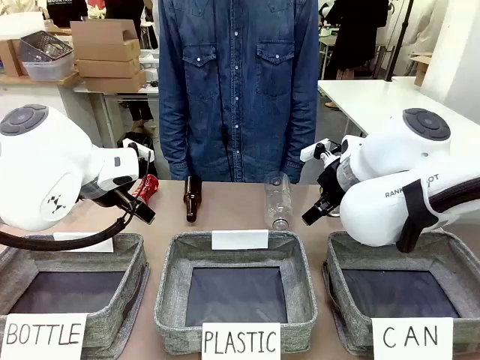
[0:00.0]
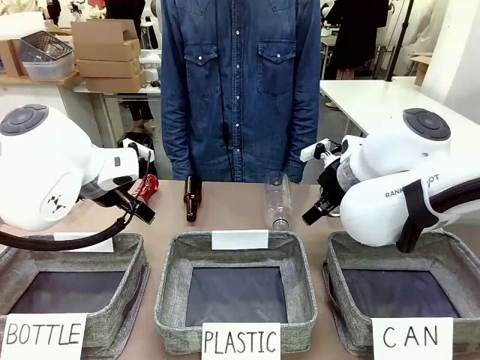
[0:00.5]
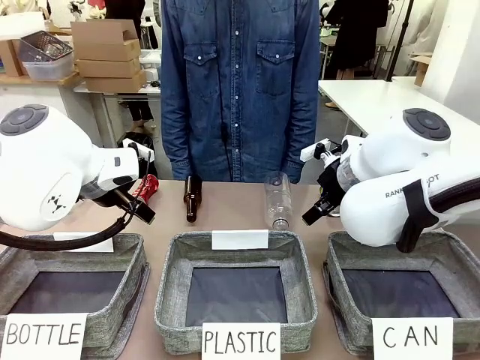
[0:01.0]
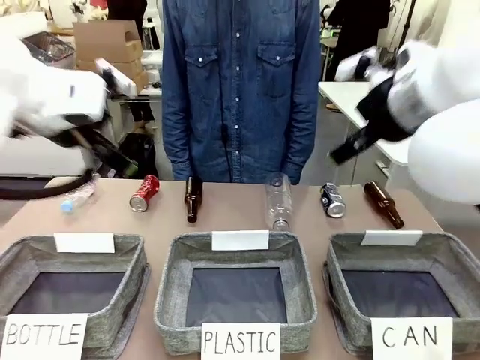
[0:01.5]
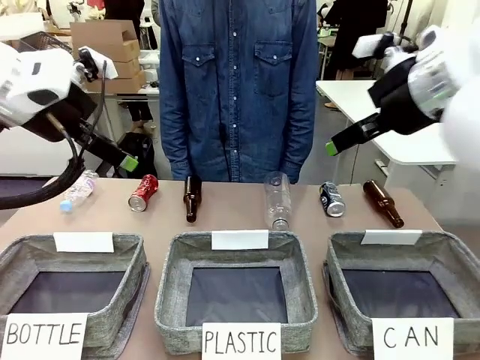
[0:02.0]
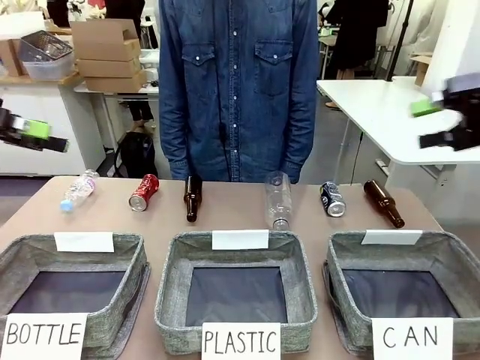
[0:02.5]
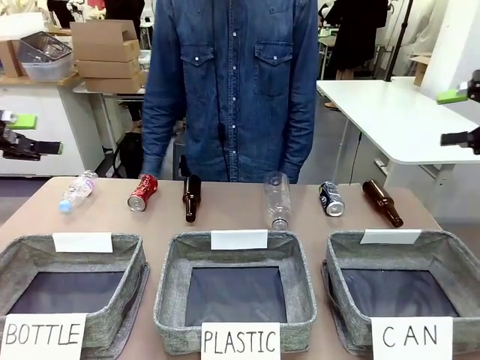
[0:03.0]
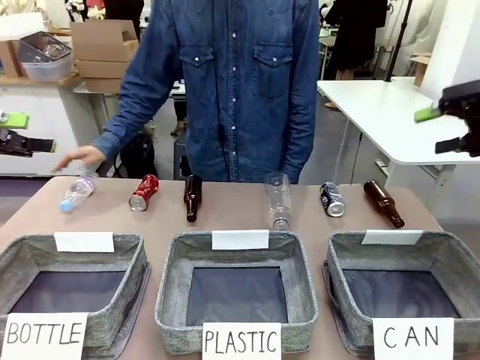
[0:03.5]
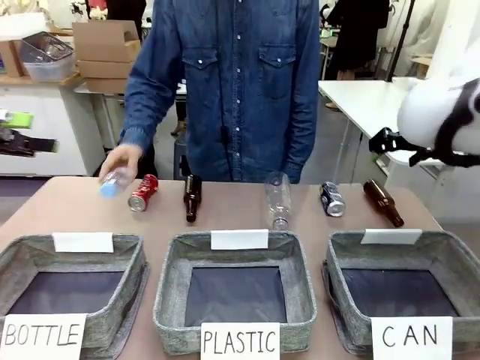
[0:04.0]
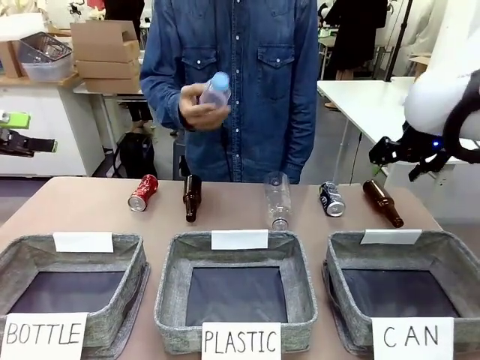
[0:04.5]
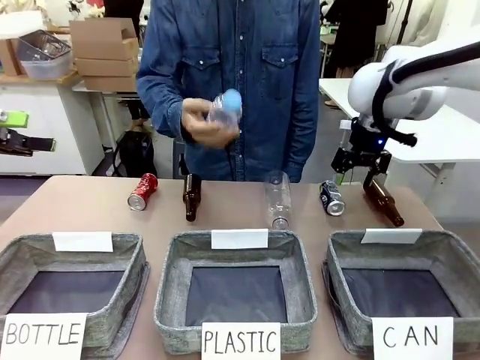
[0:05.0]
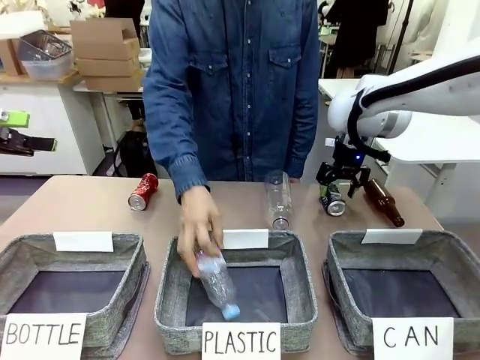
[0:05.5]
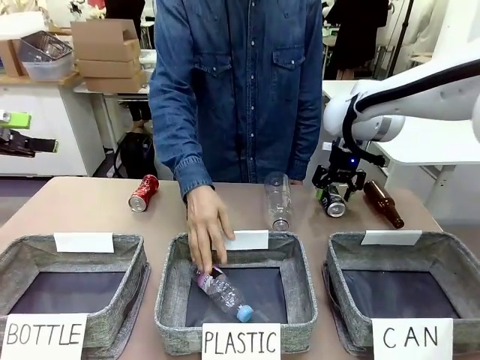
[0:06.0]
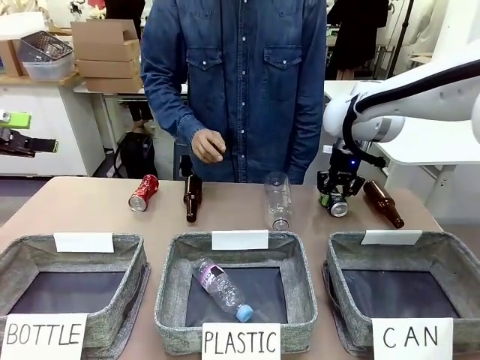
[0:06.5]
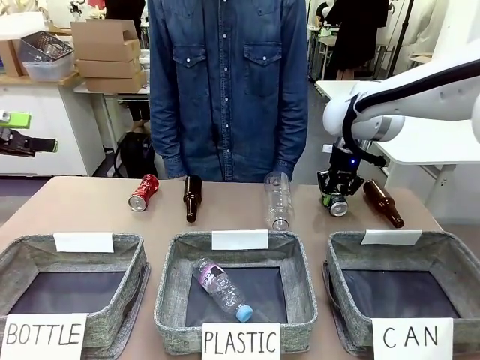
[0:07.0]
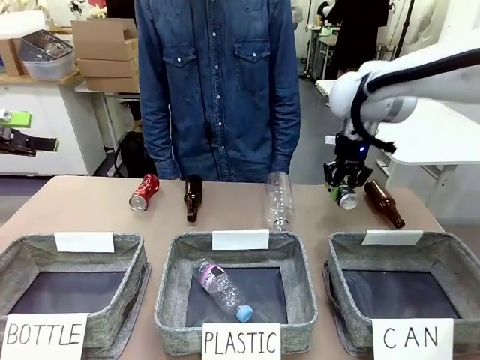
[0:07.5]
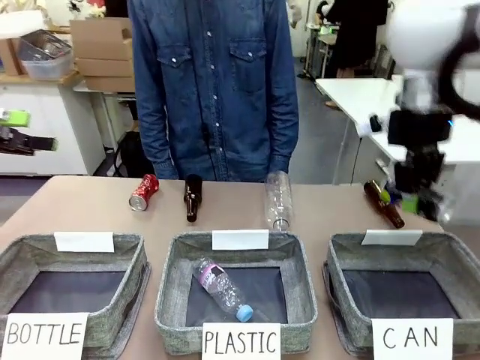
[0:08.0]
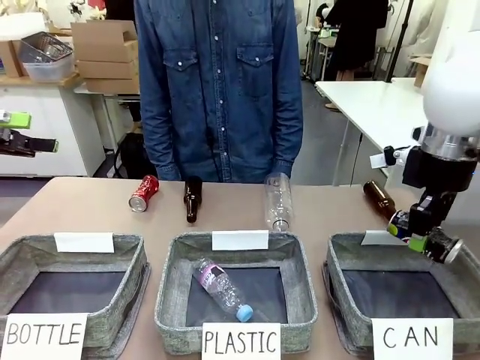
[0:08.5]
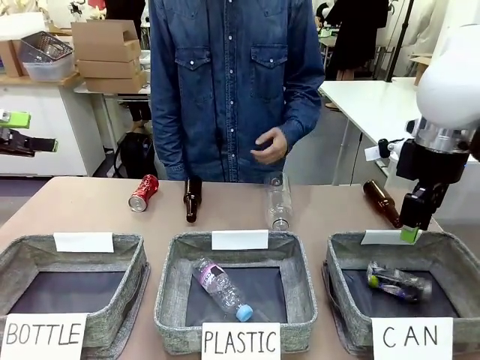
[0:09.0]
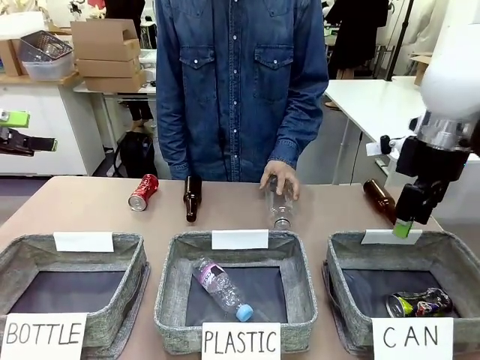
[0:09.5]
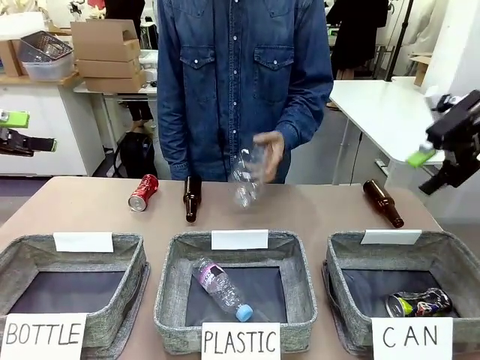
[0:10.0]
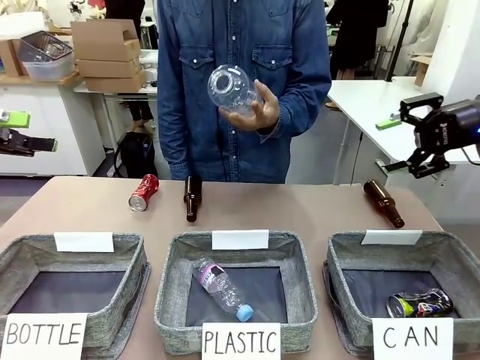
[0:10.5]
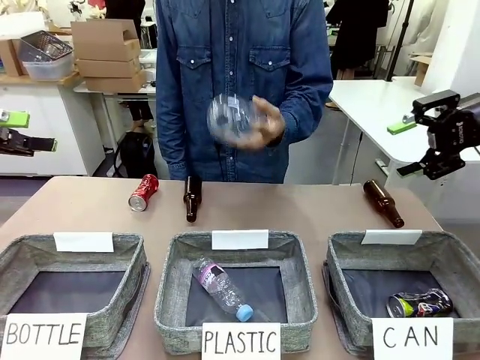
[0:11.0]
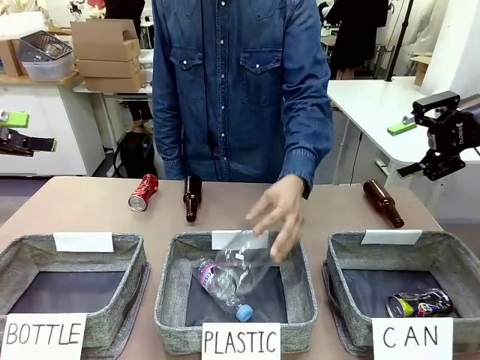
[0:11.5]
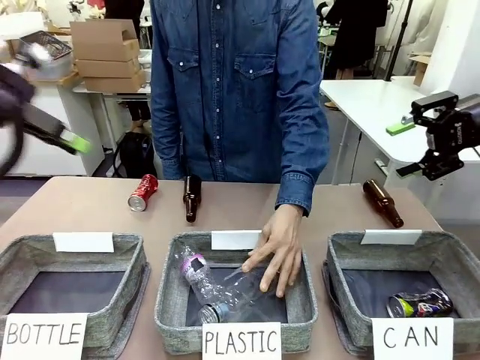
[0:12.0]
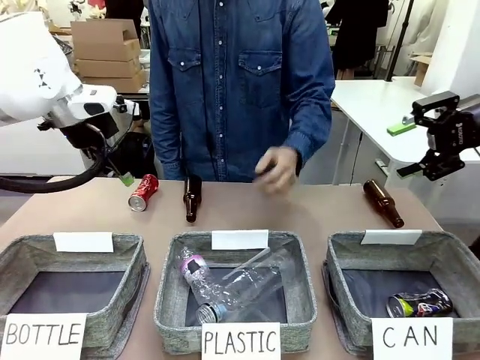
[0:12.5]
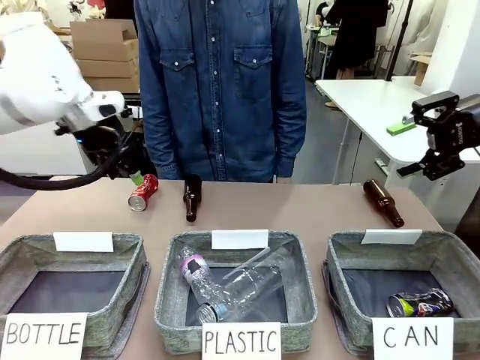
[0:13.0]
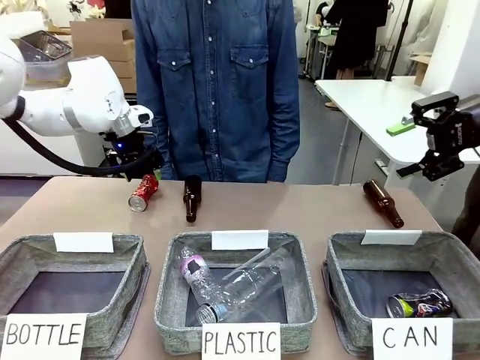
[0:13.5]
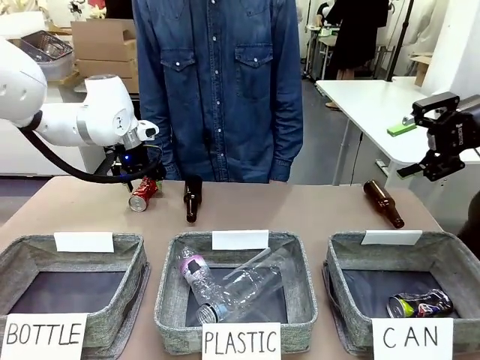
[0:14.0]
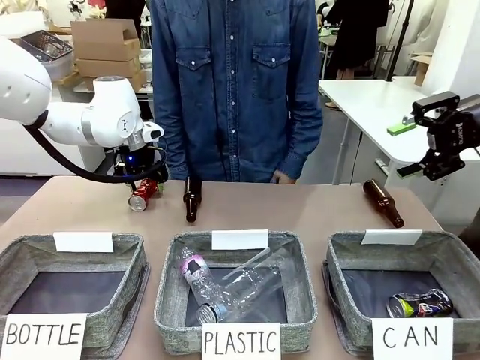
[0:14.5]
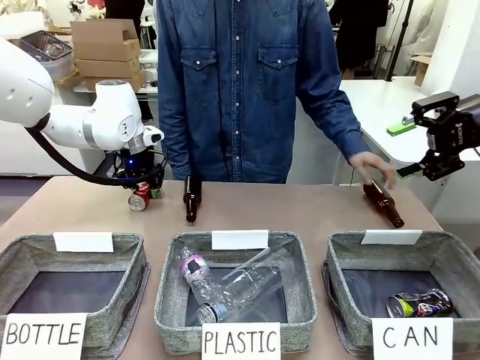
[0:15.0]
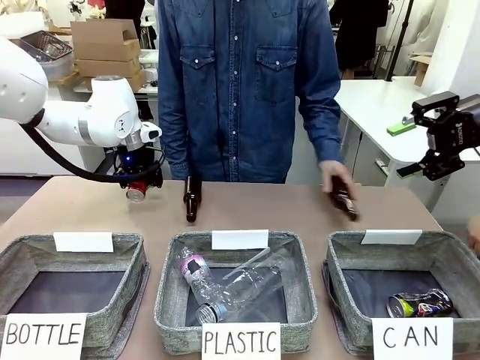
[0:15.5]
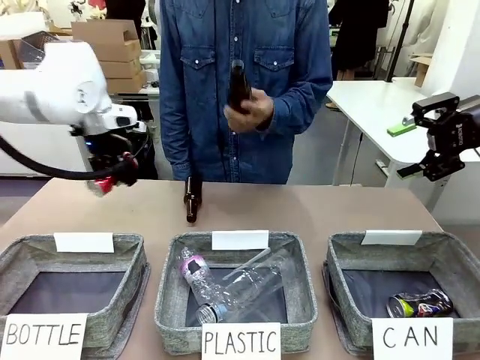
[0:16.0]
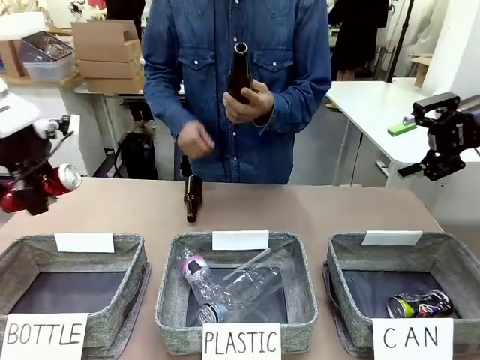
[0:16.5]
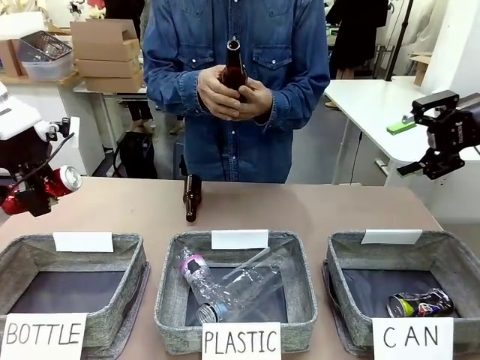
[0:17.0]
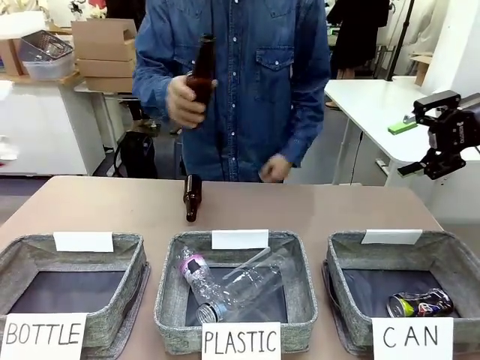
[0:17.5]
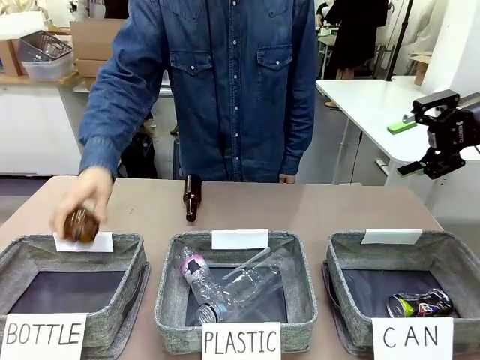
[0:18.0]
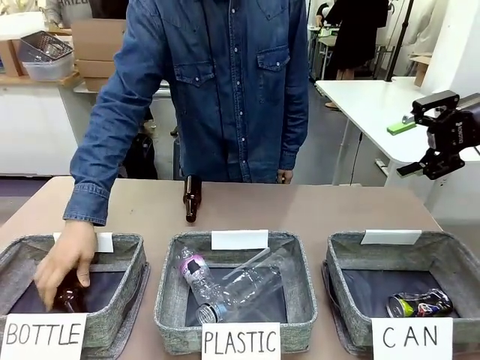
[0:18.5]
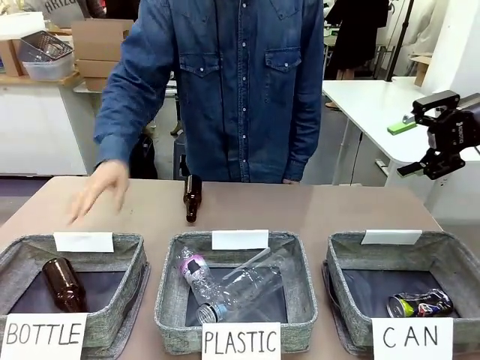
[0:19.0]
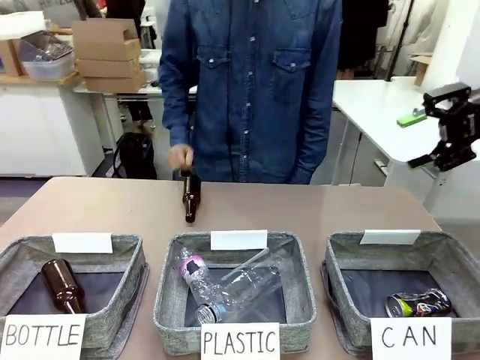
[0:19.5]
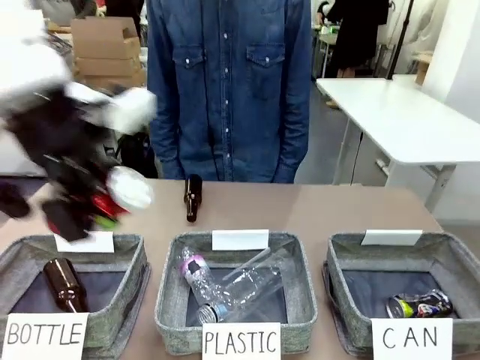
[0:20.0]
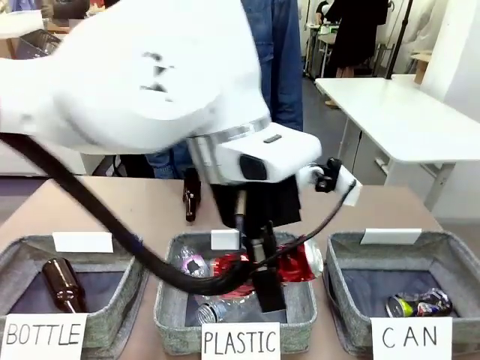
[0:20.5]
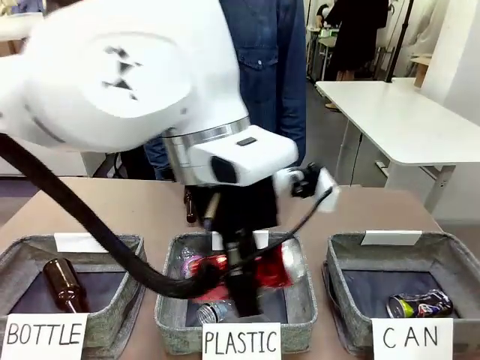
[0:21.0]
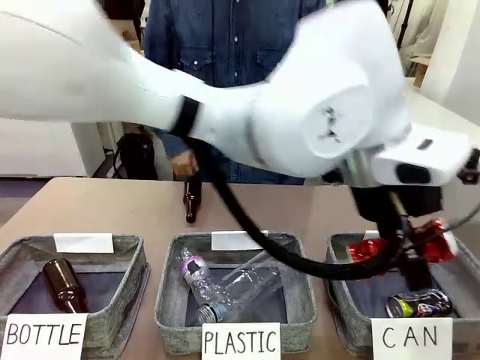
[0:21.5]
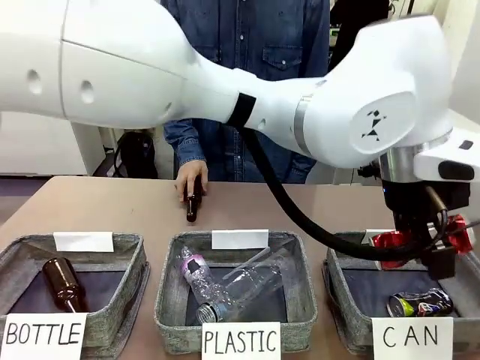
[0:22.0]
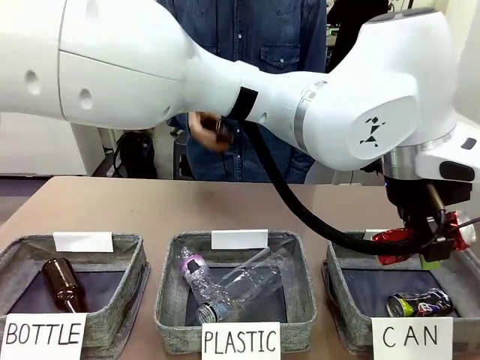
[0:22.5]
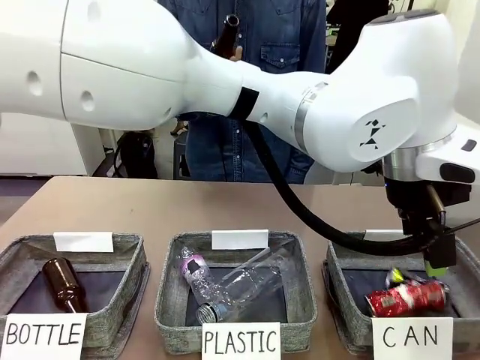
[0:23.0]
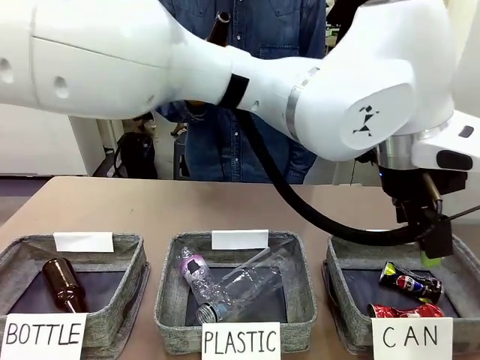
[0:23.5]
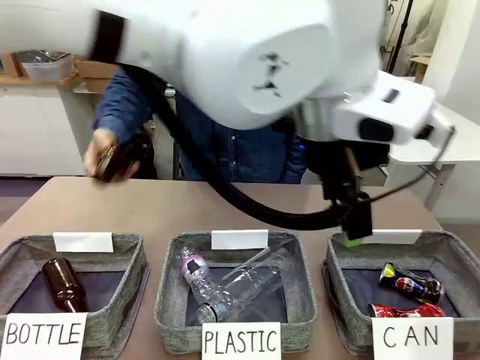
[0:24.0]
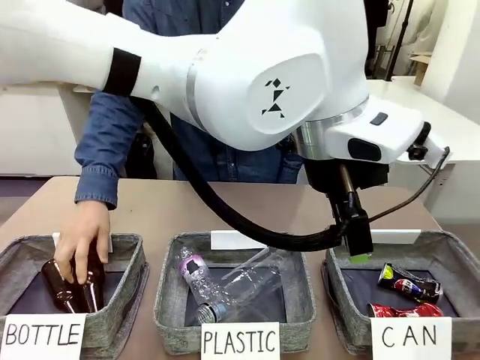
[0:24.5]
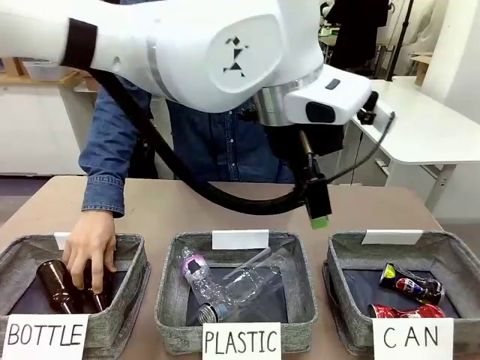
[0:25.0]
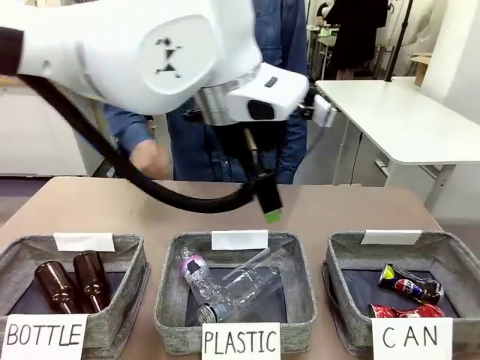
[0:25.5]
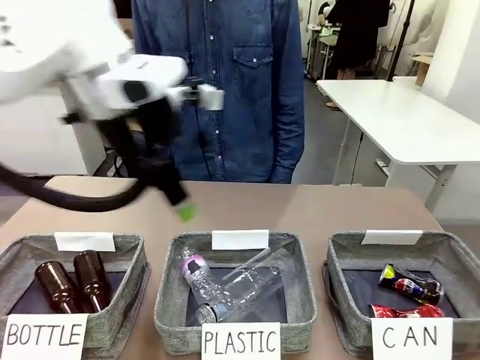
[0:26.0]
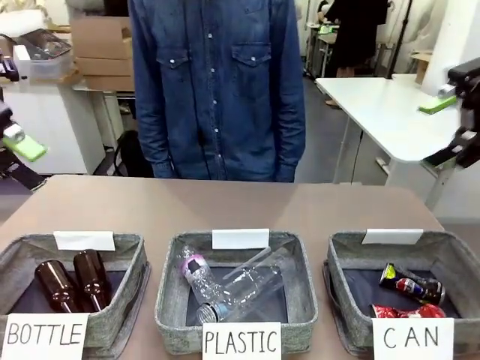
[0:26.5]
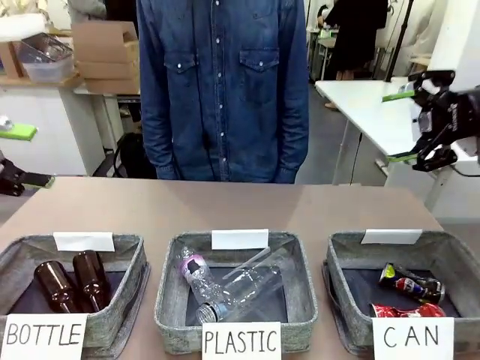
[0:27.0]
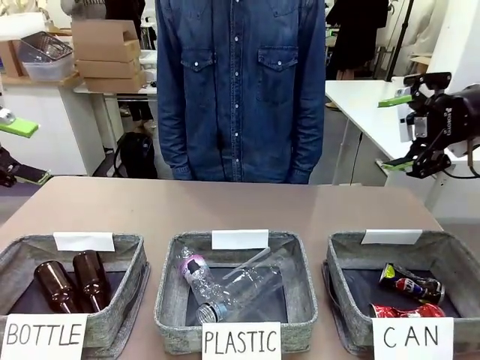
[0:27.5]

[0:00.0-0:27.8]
Task: Sort the can waste into the basket.
Robot: Pick up the can waste from the table and place it in the right Fabric basket.
Person: The human picks up one piece of trash that is not a can and places the trash into the appropriate organizing basket.
